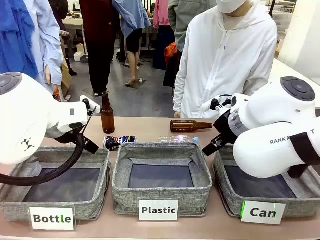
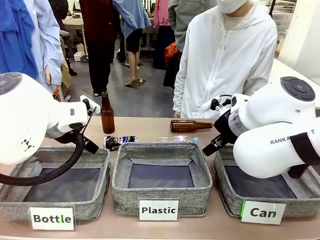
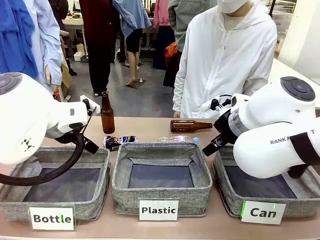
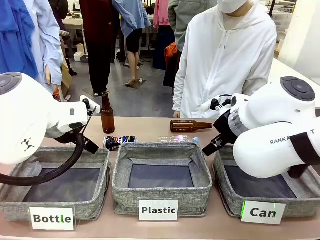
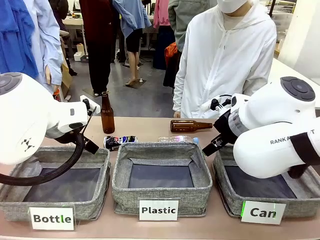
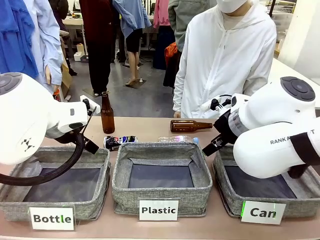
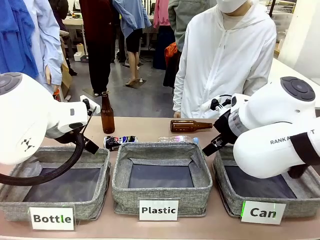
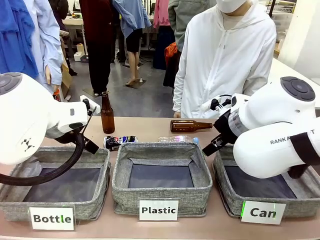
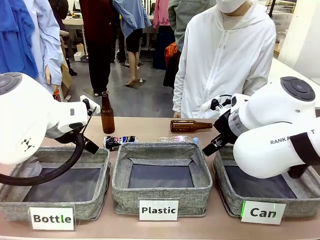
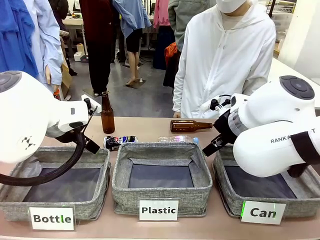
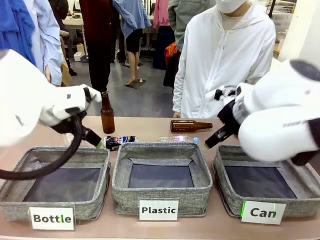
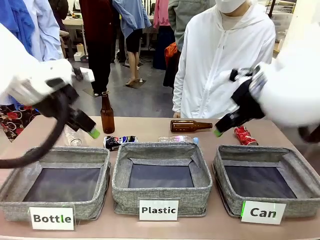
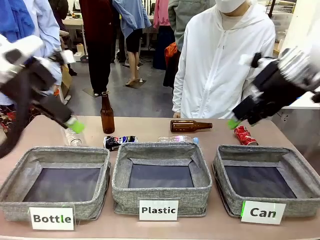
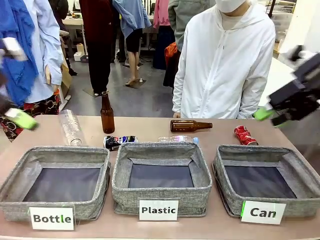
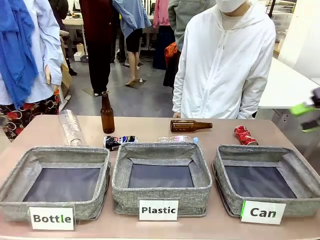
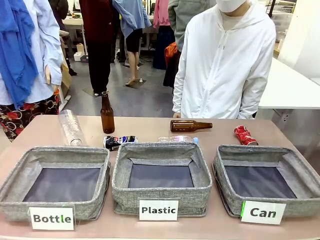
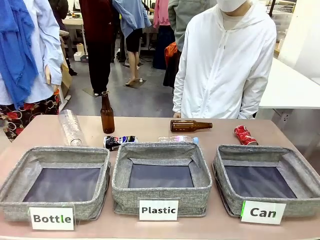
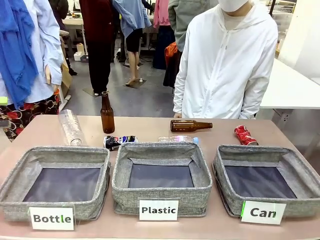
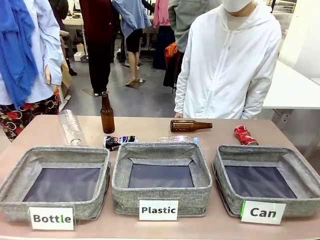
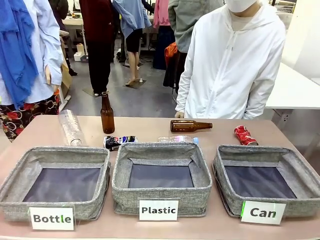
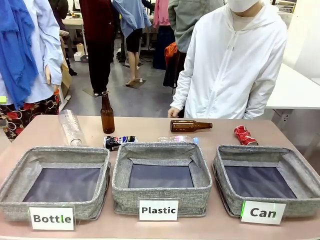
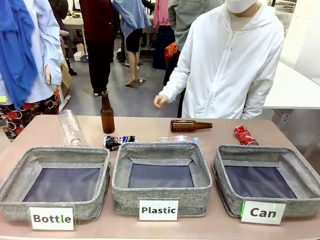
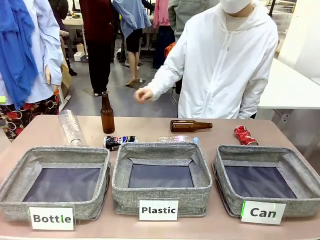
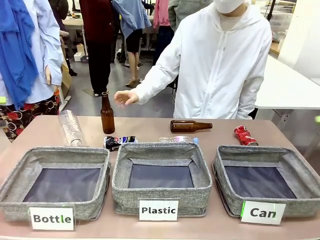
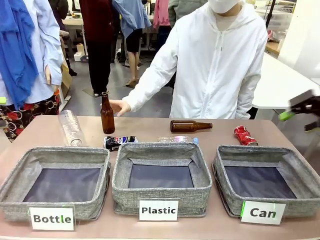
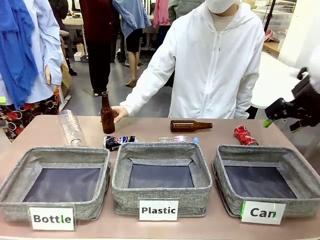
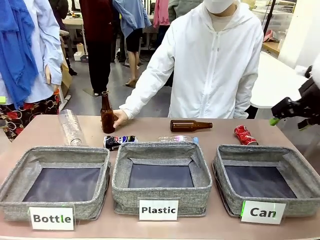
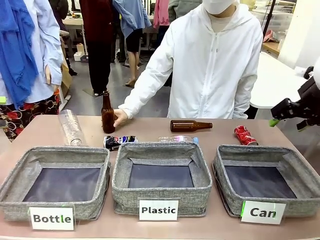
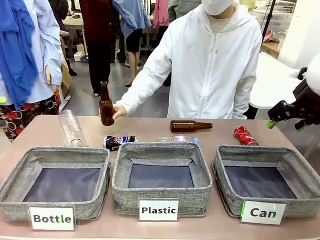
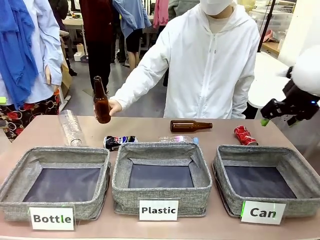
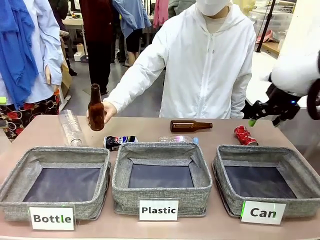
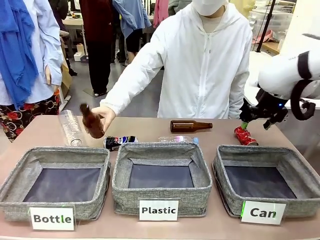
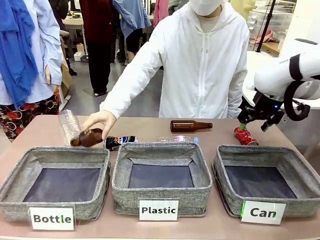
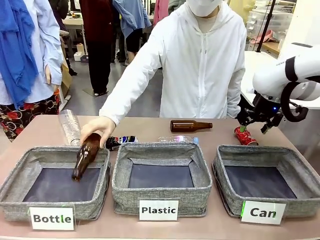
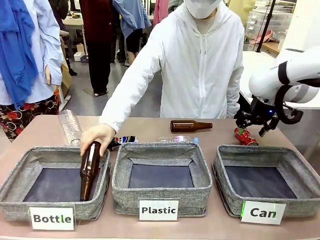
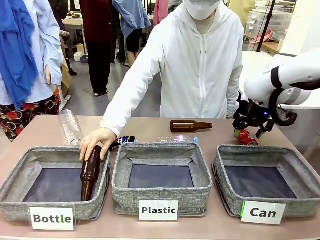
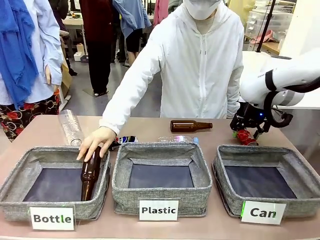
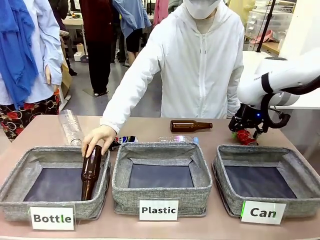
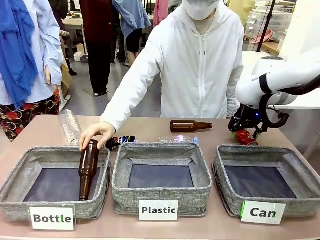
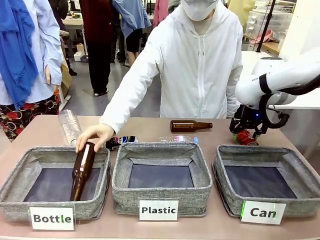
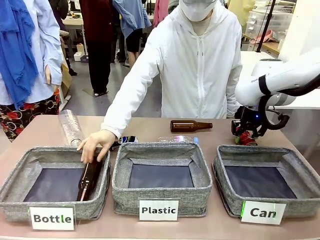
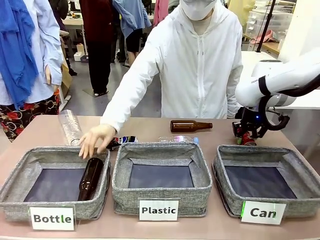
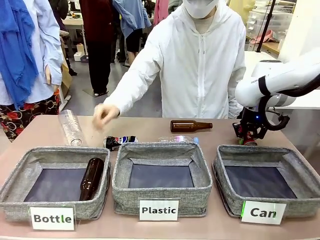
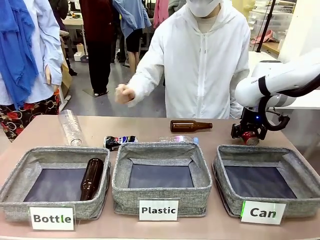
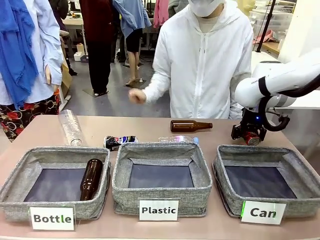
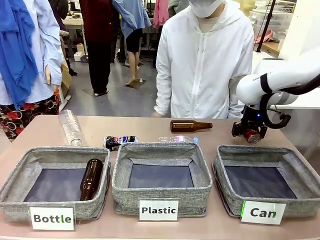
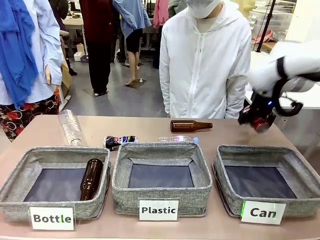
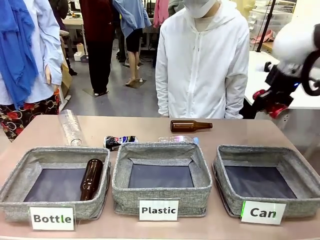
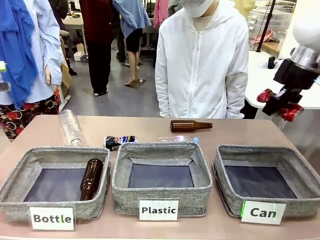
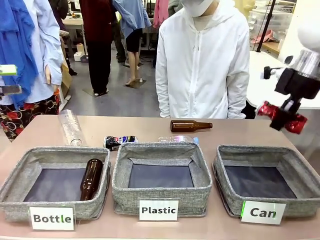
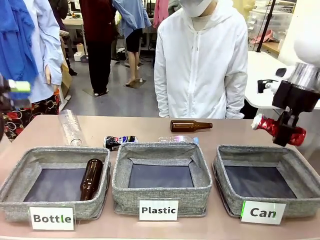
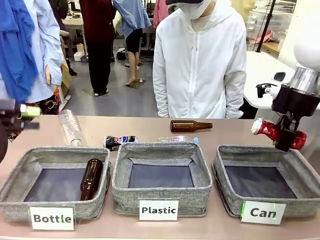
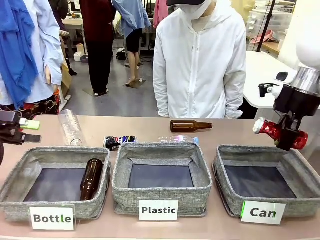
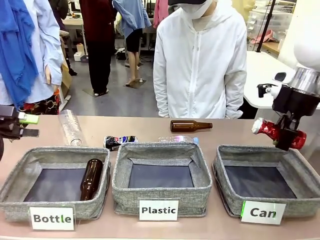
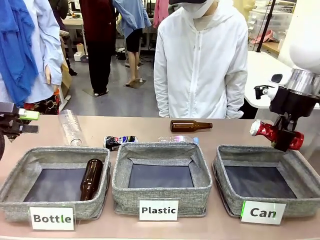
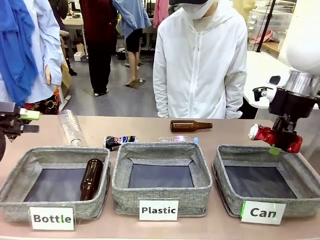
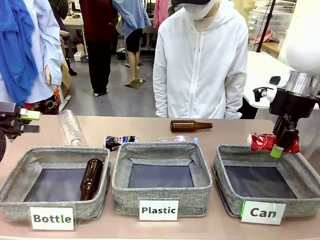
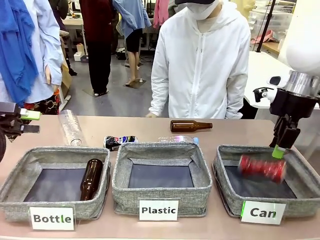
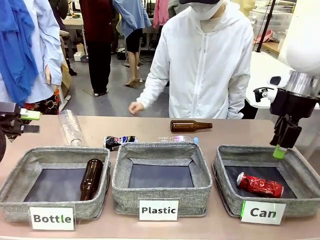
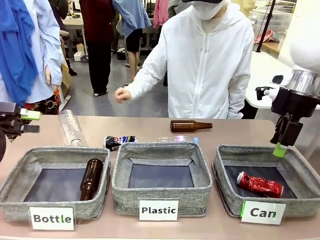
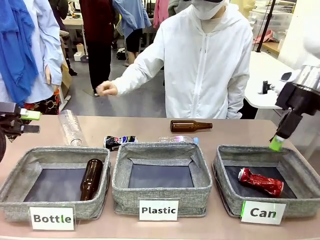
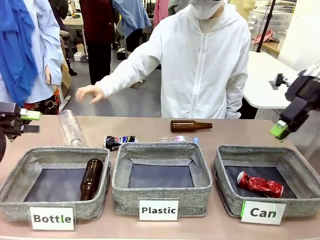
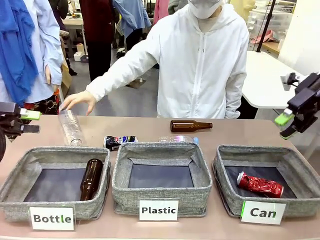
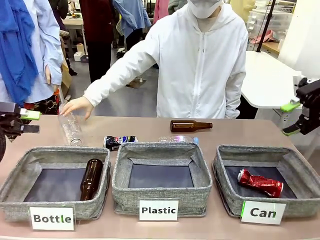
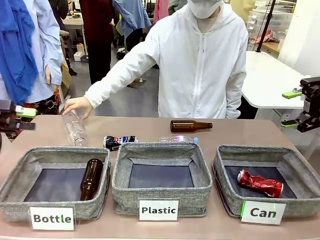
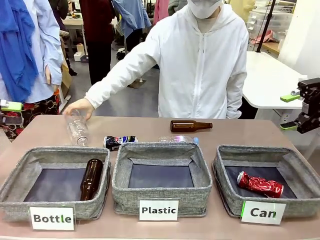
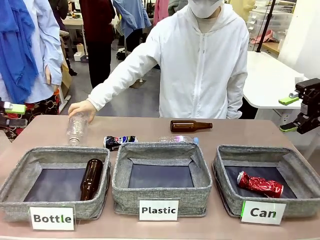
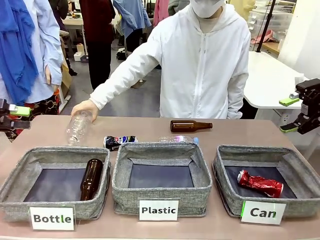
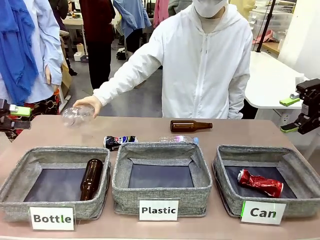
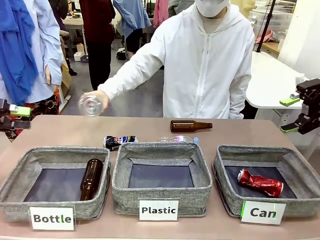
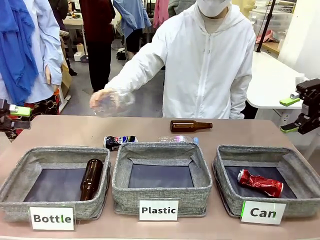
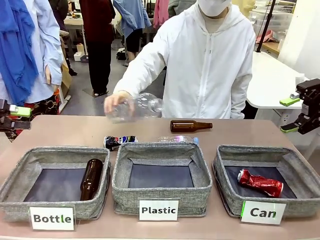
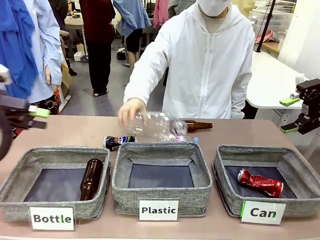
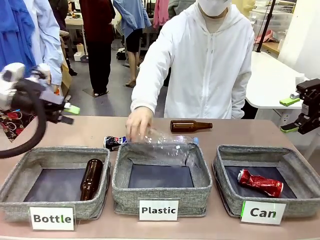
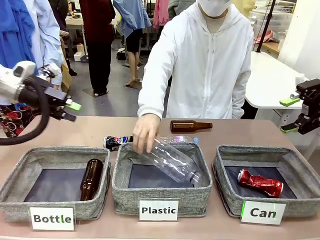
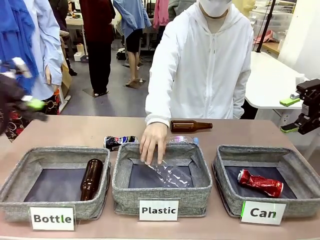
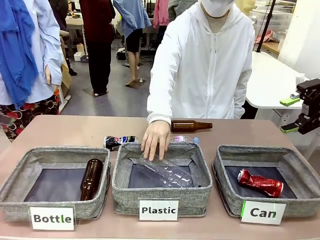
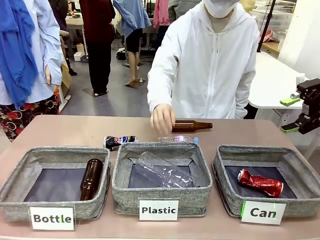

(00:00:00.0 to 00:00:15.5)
Task: Sort the can waste into the basket.
Robot: Pick up the can waste from the table and place it in the right Fabric basket.
